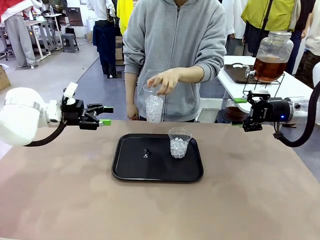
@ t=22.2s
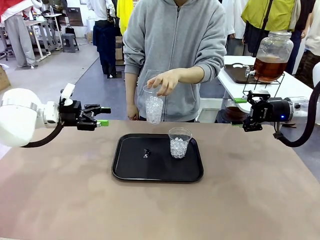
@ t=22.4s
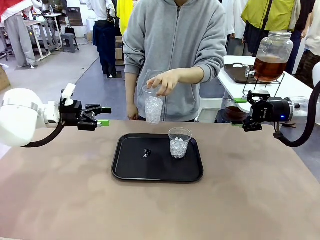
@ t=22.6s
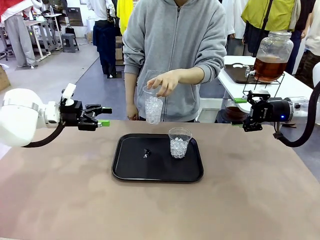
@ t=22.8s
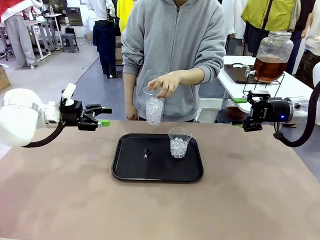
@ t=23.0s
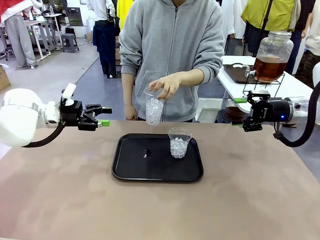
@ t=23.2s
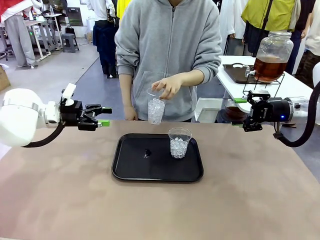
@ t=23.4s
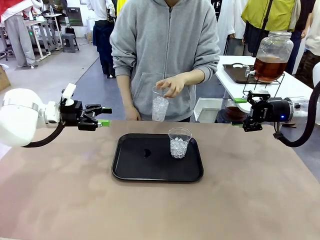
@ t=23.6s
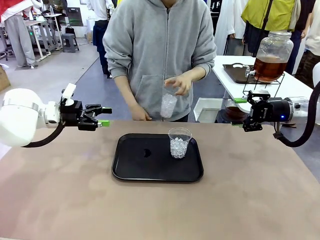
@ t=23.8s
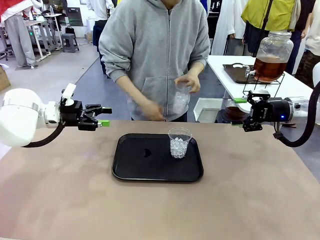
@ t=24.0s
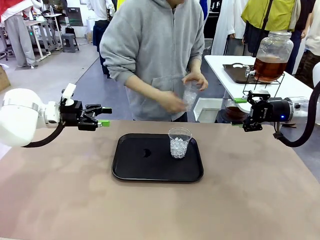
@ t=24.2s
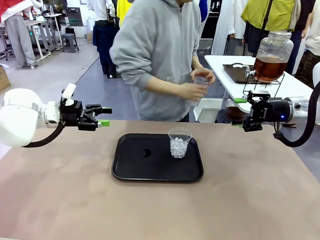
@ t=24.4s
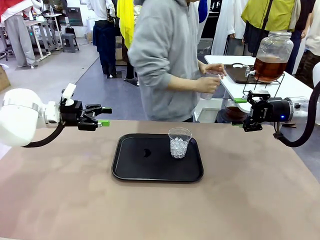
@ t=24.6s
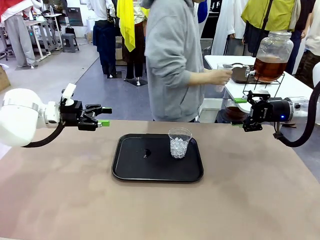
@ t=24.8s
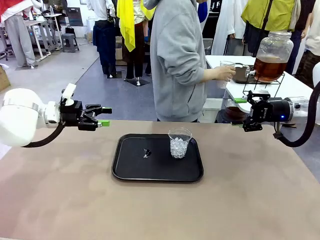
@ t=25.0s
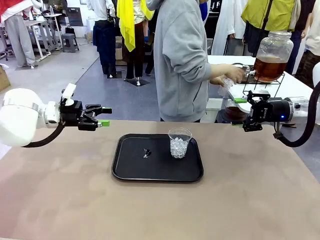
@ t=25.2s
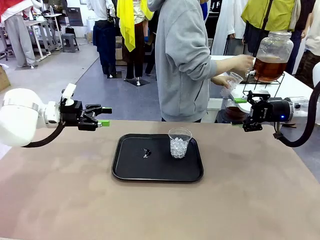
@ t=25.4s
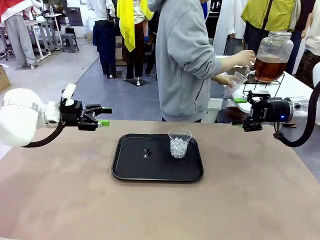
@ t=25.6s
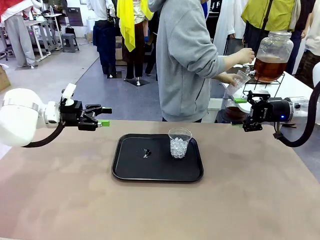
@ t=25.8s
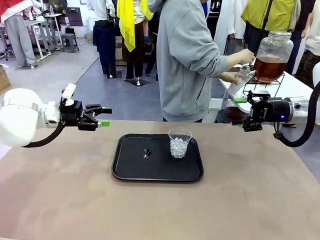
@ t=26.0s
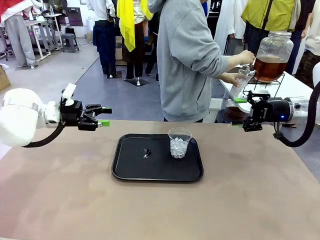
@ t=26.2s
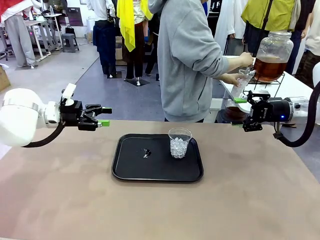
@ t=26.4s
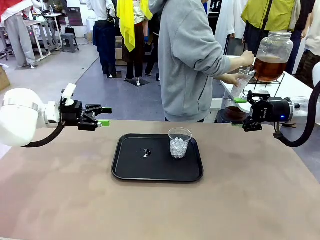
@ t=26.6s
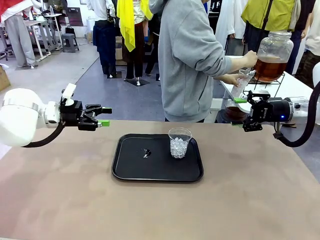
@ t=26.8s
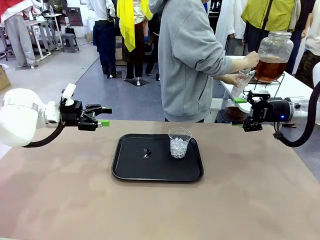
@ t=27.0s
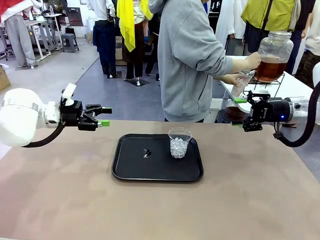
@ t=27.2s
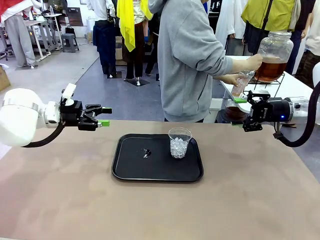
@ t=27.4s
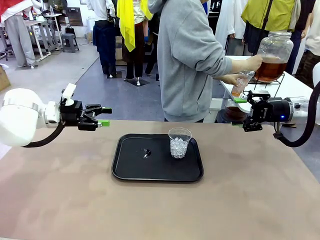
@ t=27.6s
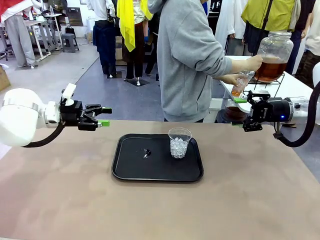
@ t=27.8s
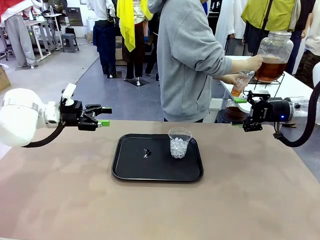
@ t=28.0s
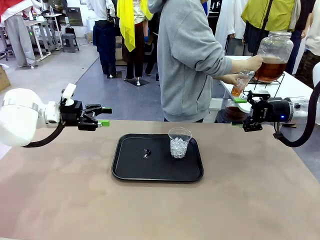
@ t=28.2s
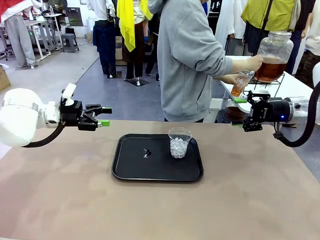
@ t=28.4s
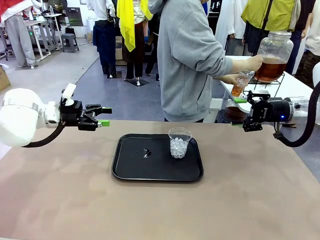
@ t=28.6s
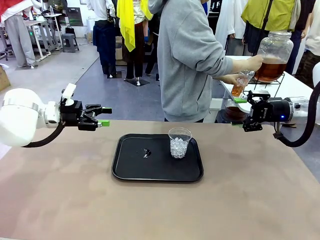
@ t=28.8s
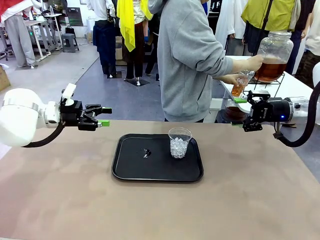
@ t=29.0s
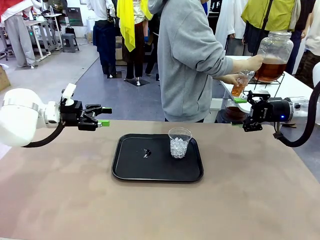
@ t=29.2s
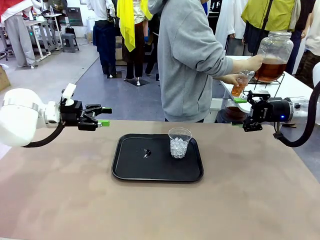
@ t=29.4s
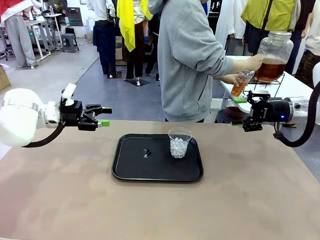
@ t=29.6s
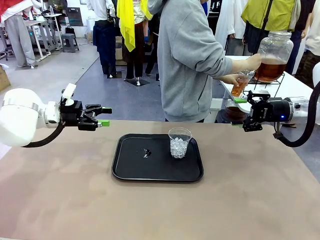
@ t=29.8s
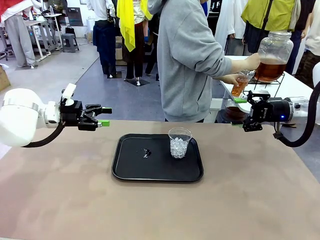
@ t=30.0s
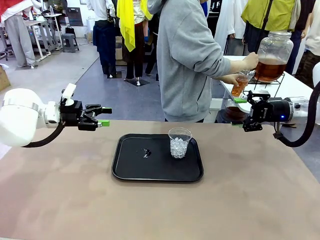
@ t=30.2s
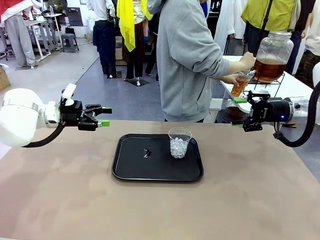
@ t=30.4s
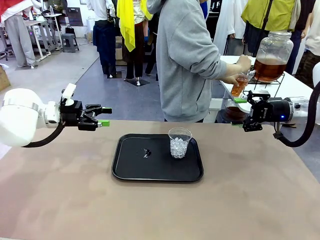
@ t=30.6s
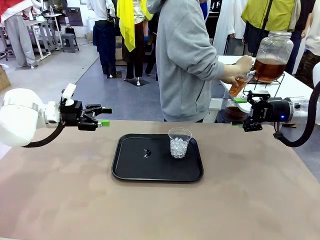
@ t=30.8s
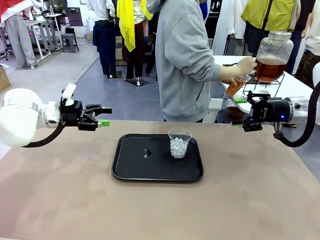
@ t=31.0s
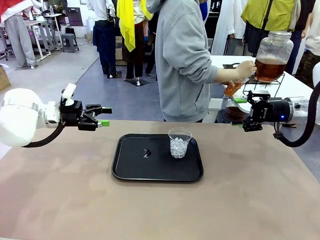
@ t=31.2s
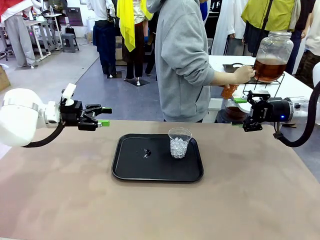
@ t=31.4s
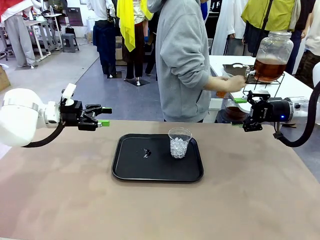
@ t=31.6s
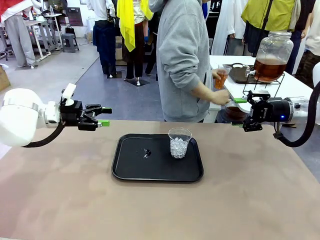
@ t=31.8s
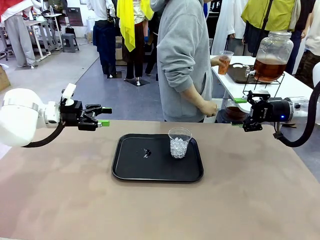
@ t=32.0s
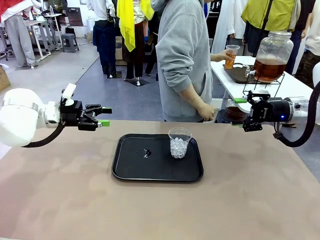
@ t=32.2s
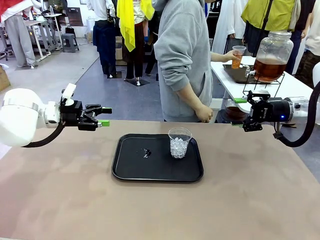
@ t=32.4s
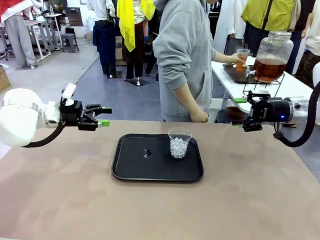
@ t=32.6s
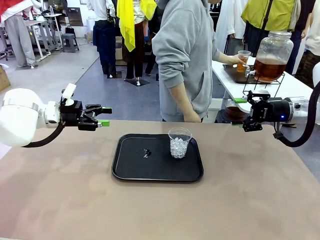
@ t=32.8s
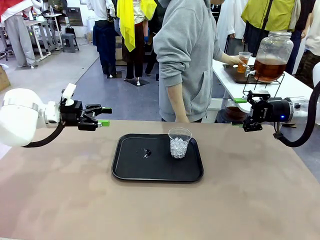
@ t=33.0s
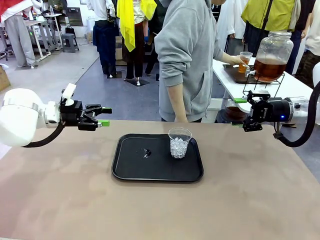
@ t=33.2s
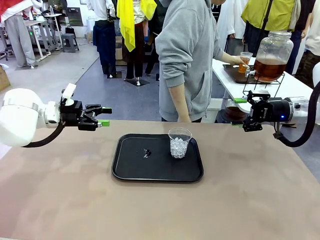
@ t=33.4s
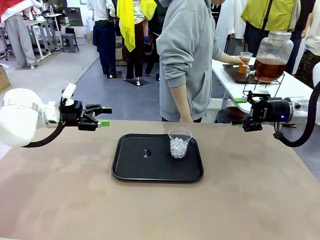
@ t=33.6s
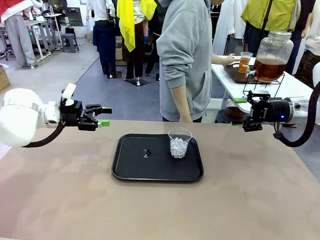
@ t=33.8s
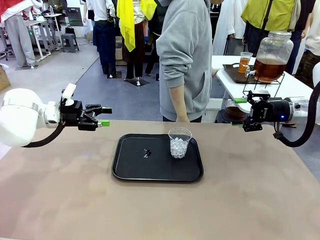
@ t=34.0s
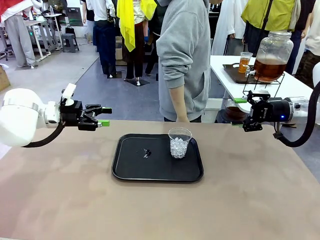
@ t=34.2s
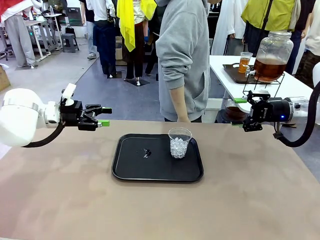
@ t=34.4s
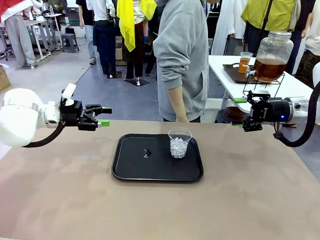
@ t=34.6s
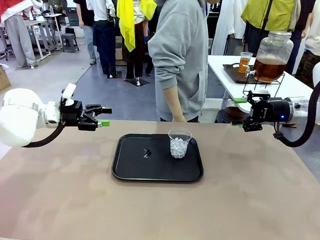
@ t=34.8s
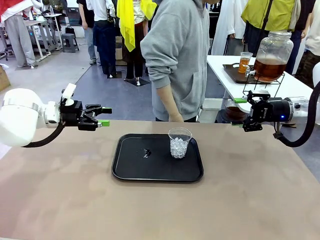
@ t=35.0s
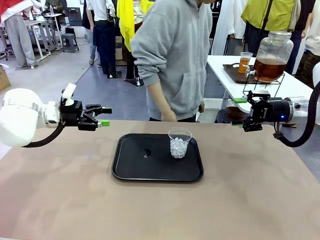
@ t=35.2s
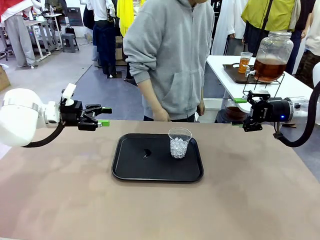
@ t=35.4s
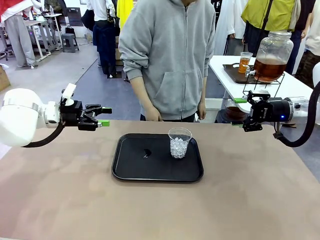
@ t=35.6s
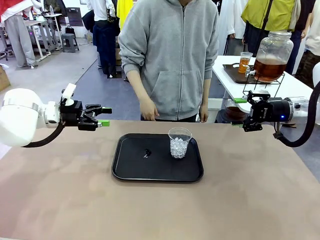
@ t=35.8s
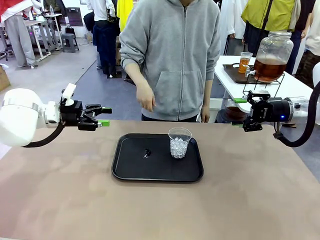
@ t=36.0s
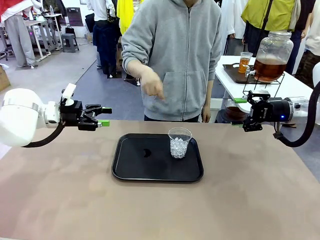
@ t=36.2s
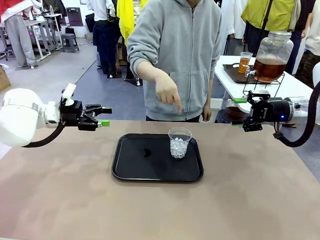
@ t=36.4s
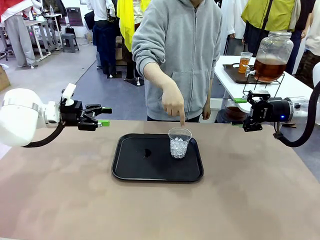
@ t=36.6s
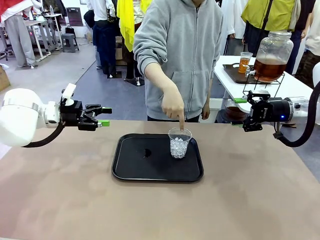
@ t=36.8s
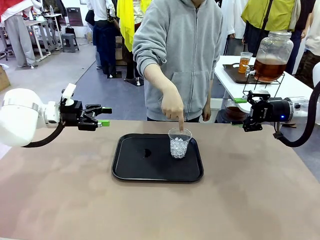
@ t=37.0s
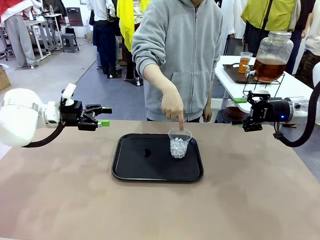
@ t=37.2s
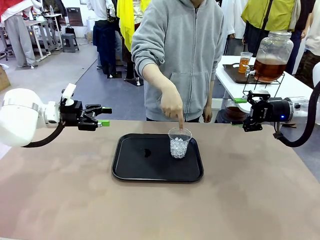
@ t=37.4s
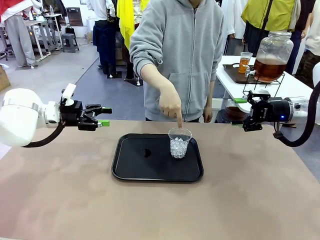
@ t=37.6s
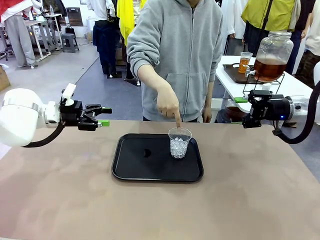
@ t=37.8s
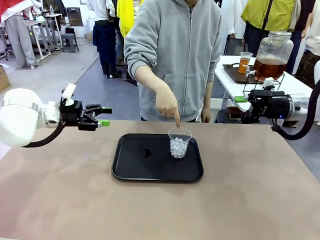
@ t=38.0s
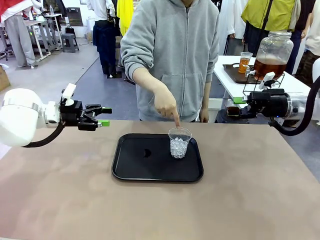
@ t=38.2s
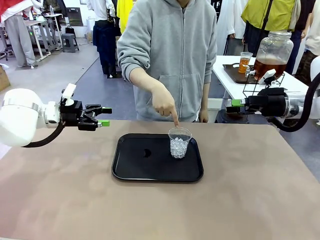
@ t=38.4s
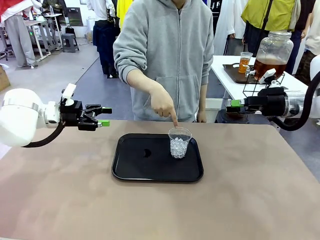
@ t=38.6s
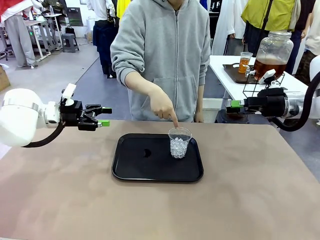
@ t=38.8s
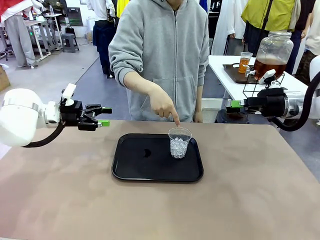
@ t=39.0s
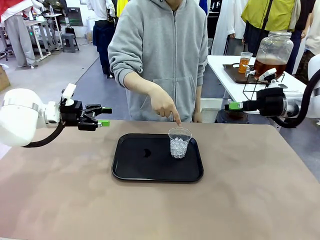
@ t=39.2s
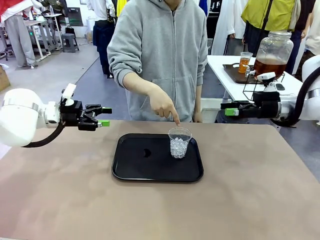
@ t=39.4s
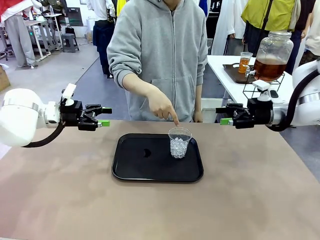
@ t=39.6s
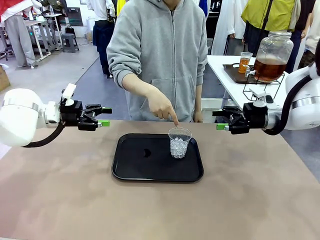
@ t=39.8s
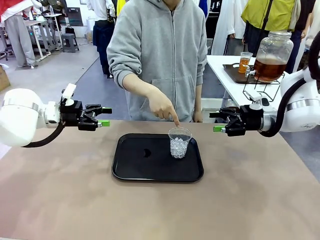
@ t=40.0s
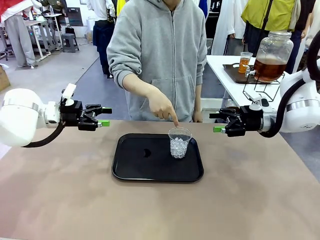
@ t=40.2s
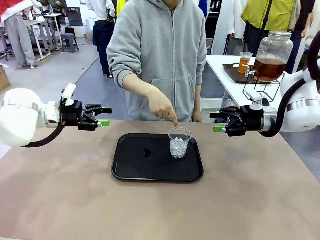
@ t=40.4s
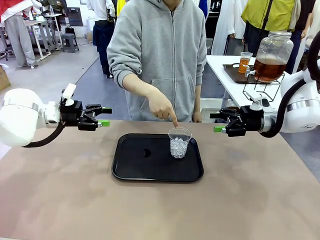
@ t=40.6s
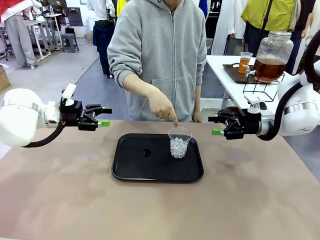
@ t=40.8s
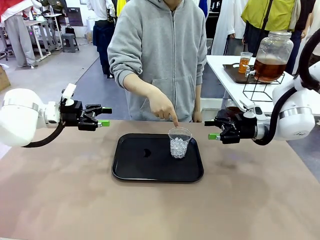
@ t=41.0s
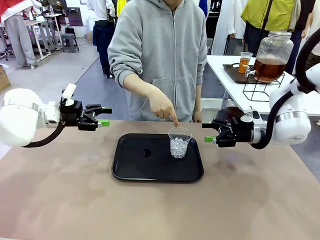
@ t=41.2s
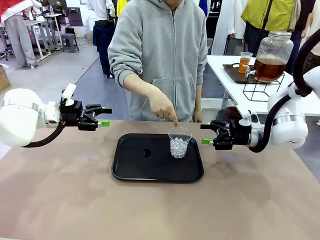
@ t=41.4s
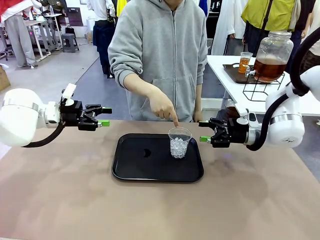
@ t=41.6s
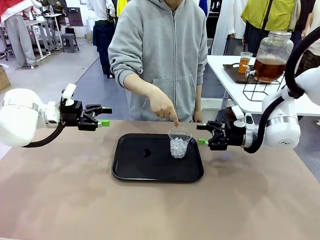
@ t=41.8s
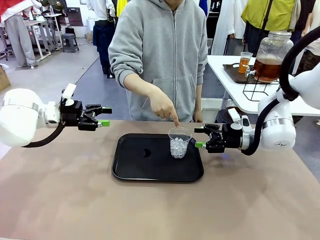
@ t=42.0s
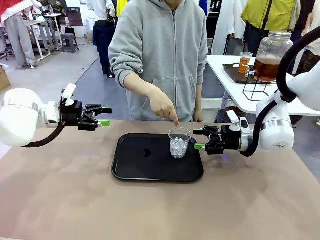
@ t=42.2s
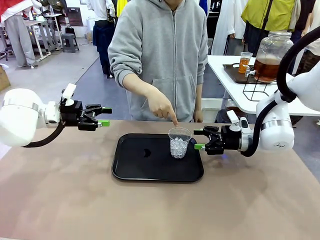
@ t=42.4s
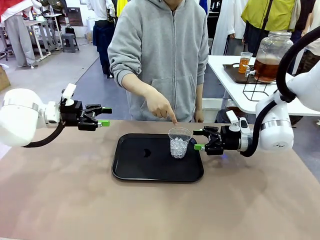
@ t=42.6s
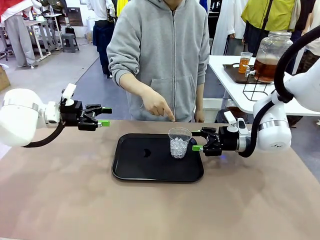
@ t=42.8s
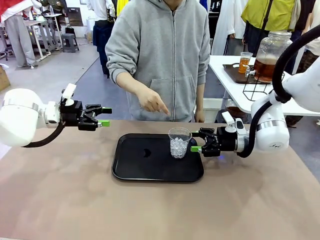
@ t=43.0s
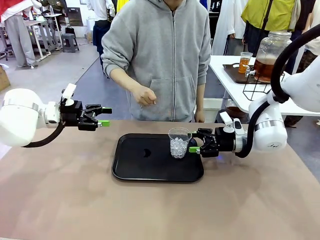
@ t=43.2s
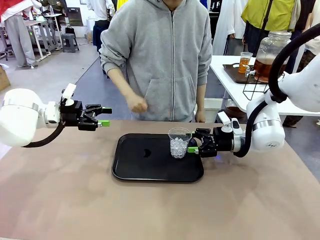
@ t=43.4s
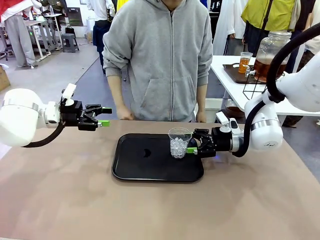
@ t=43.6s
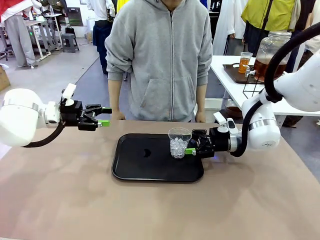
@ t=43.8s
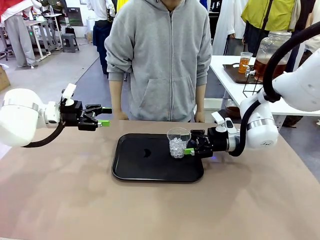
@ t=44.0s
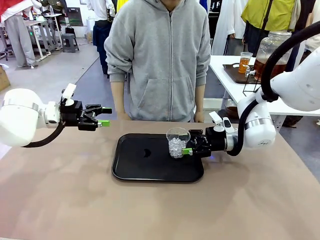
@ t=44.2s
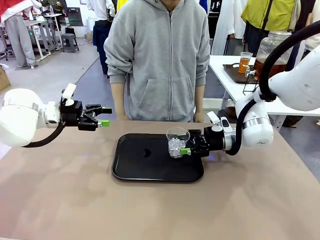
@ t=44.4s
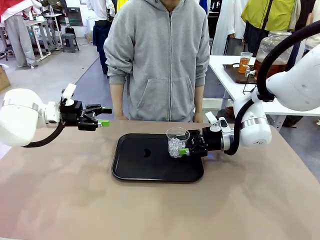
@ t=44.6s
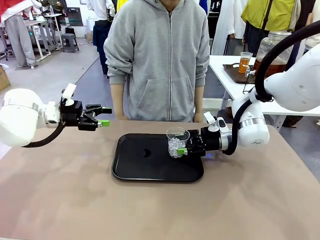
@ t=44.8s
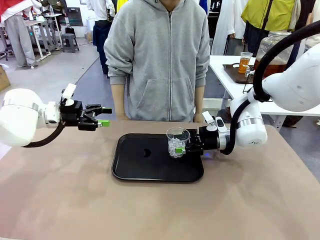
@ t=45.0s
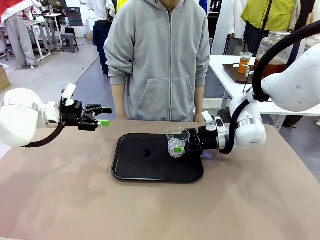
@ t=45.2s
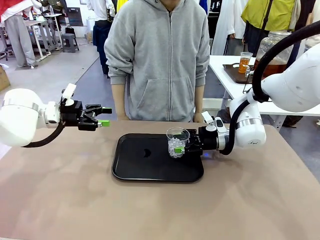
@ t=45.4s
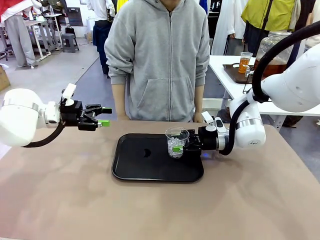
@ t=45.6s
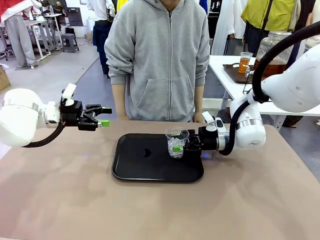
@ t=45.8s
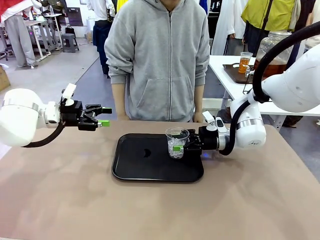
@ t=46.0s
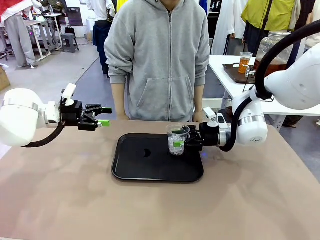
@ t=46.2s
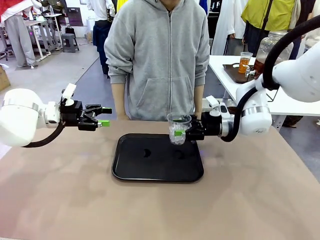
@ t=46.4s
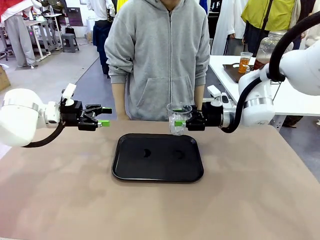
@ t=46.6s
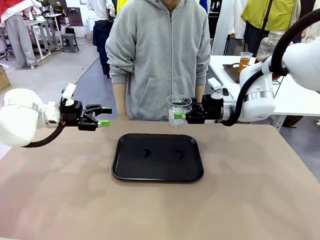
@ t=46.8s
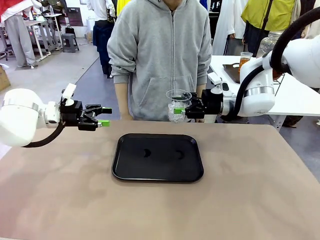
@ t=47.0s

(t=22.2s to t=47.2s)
Task: Pour the drink into the iced cup.
Robot: Pick up the iced cup indicated by the human and present it to them.
Person: Move the picked-up cup under the dispenser faucet, pour the drink, and place it on the tray on the human table. Point to the remaining ice cup on the robot table. Pick up the cup offered by the robot.
